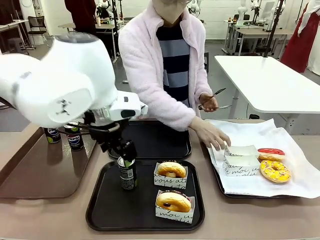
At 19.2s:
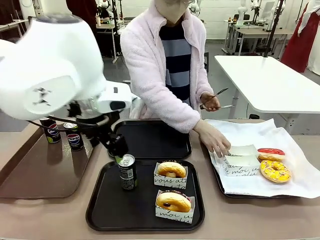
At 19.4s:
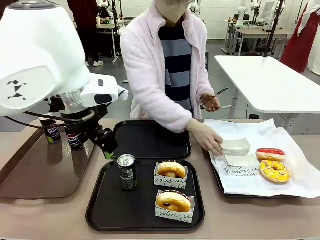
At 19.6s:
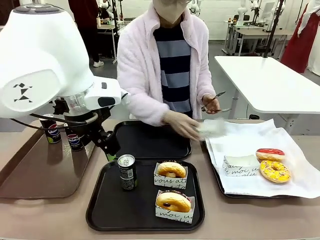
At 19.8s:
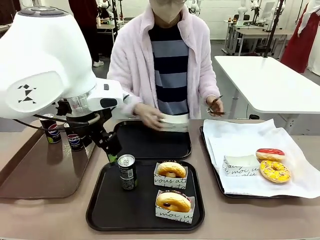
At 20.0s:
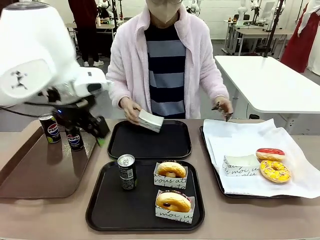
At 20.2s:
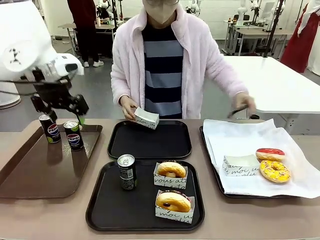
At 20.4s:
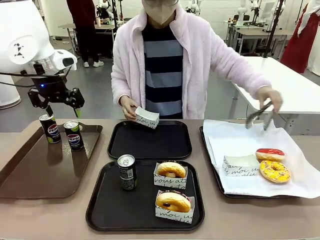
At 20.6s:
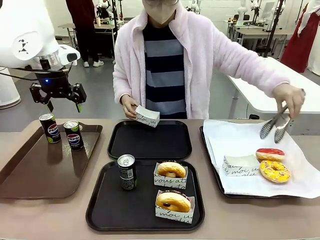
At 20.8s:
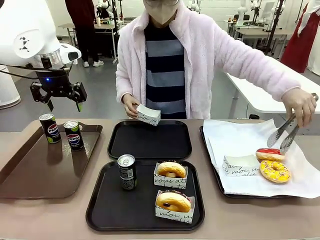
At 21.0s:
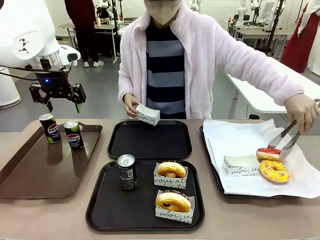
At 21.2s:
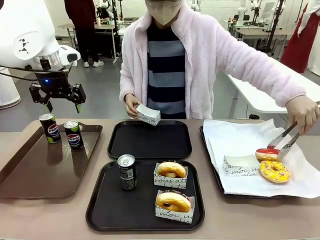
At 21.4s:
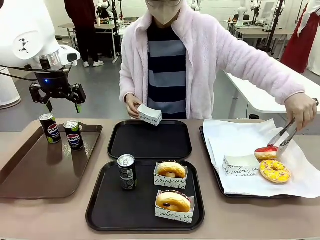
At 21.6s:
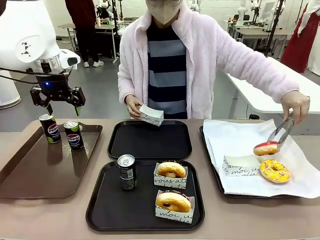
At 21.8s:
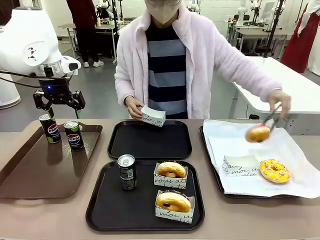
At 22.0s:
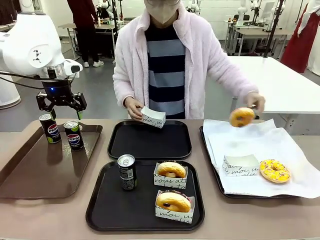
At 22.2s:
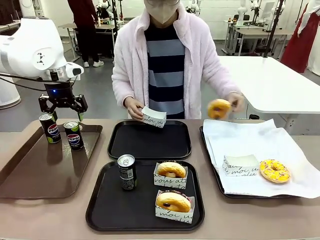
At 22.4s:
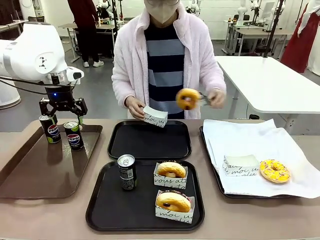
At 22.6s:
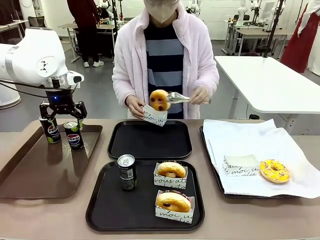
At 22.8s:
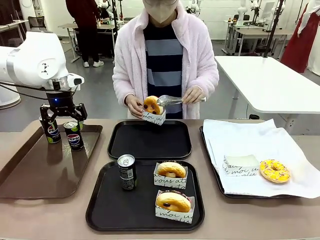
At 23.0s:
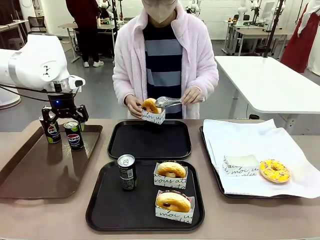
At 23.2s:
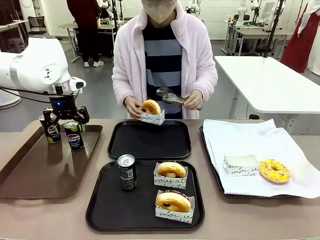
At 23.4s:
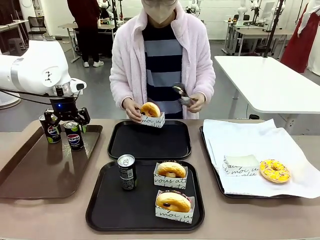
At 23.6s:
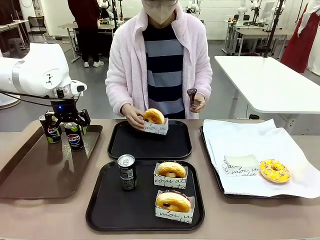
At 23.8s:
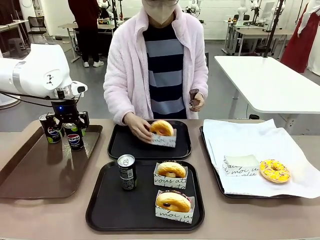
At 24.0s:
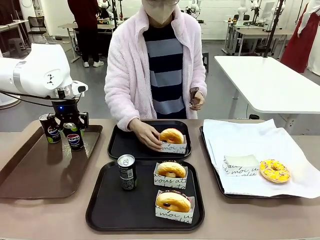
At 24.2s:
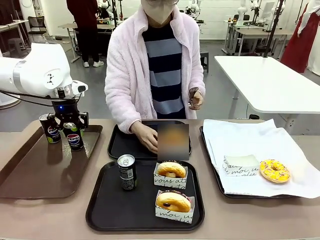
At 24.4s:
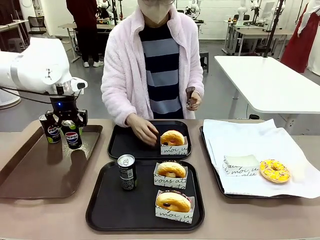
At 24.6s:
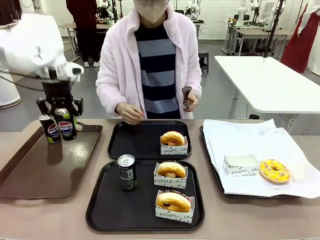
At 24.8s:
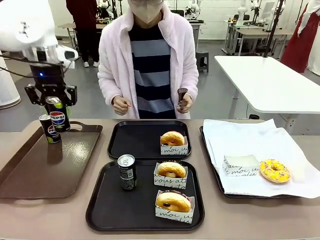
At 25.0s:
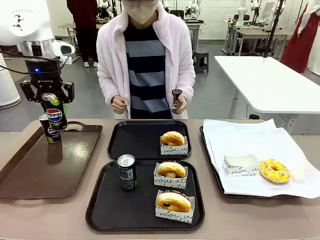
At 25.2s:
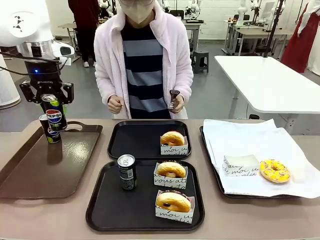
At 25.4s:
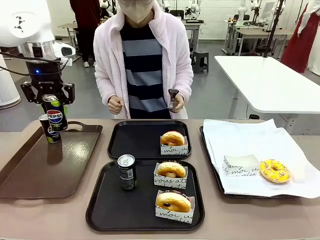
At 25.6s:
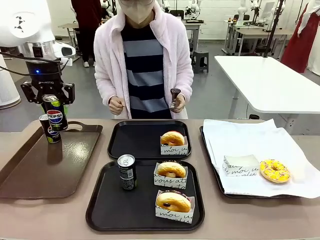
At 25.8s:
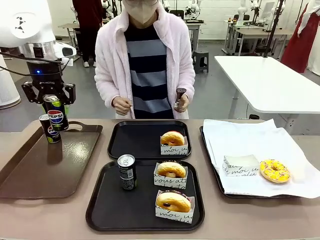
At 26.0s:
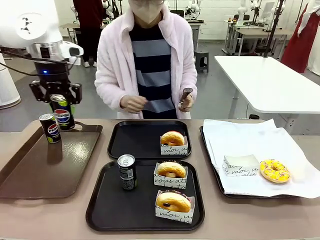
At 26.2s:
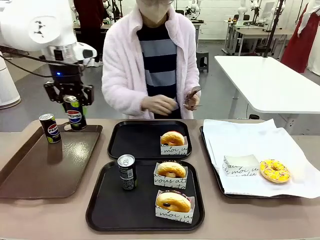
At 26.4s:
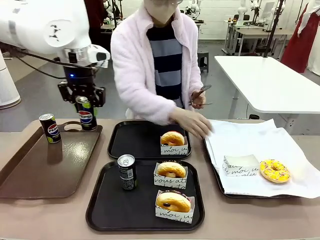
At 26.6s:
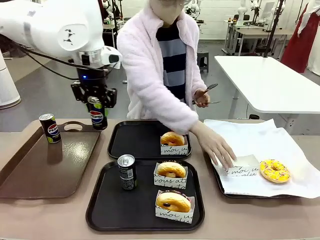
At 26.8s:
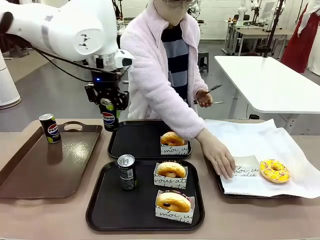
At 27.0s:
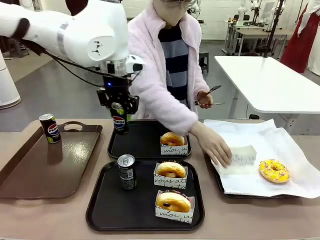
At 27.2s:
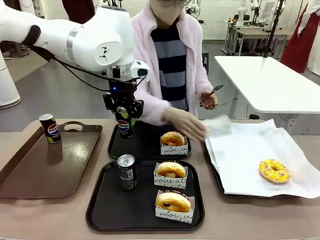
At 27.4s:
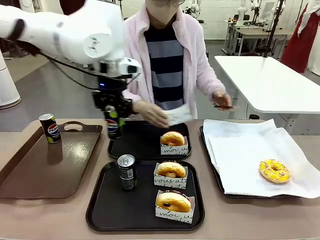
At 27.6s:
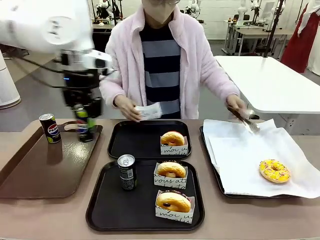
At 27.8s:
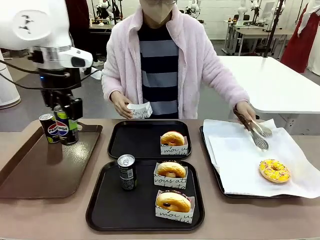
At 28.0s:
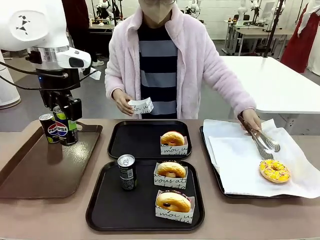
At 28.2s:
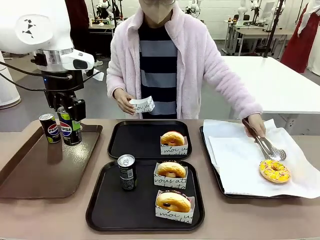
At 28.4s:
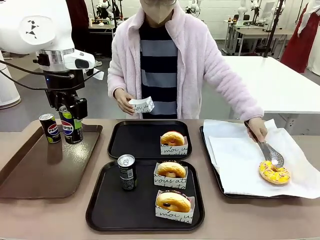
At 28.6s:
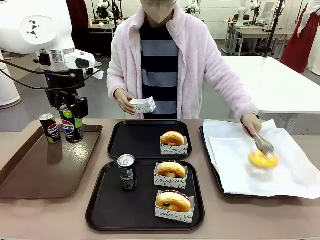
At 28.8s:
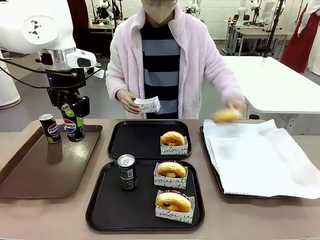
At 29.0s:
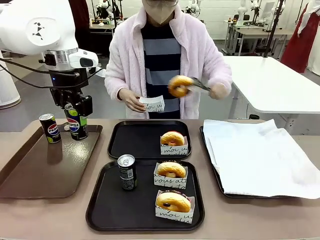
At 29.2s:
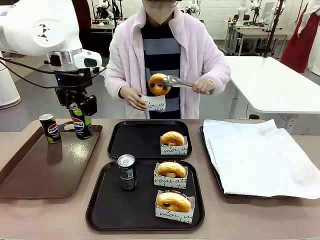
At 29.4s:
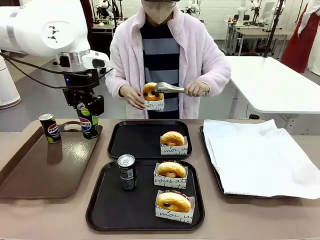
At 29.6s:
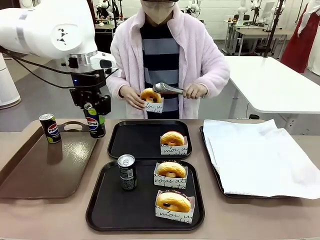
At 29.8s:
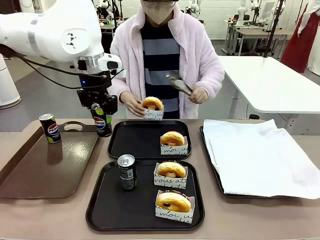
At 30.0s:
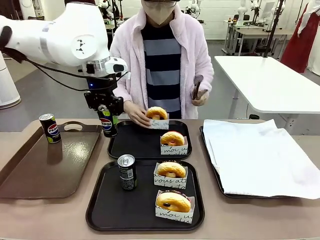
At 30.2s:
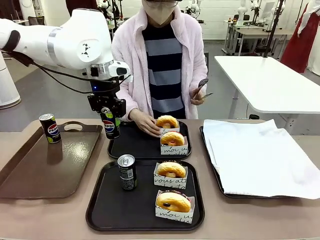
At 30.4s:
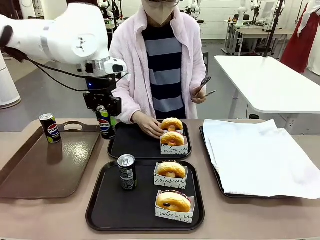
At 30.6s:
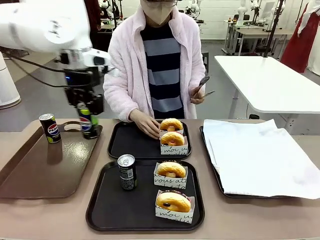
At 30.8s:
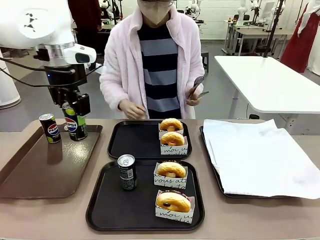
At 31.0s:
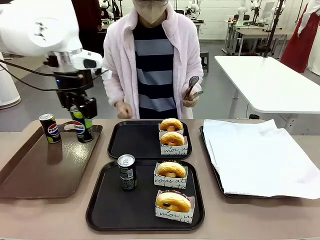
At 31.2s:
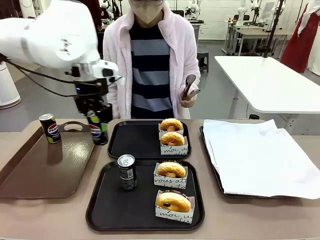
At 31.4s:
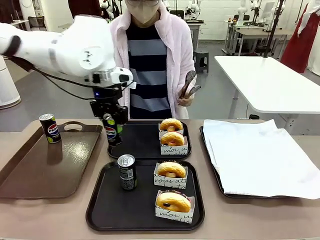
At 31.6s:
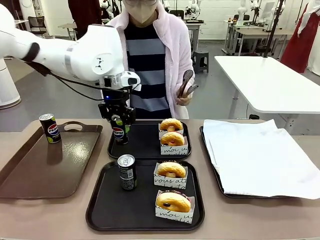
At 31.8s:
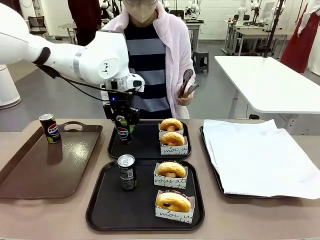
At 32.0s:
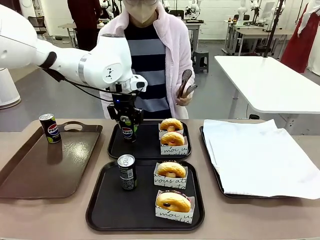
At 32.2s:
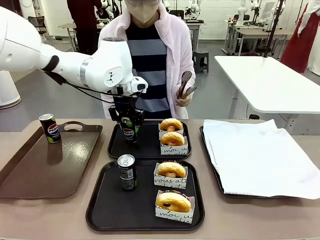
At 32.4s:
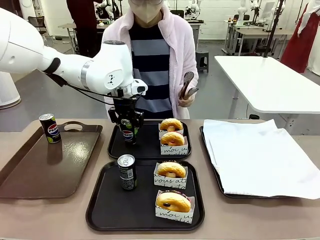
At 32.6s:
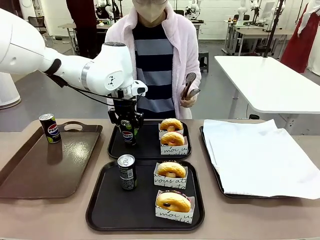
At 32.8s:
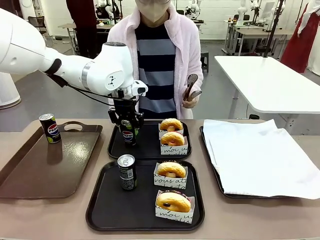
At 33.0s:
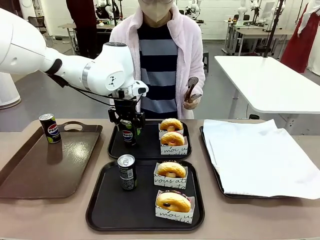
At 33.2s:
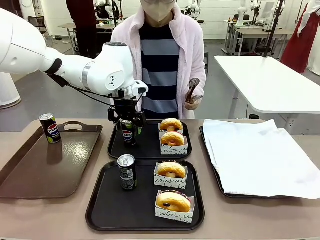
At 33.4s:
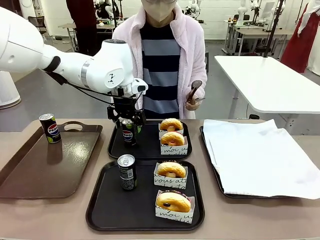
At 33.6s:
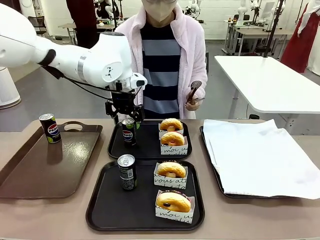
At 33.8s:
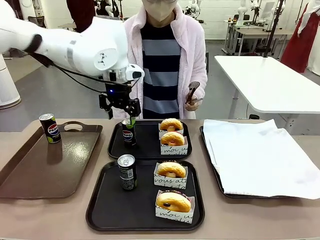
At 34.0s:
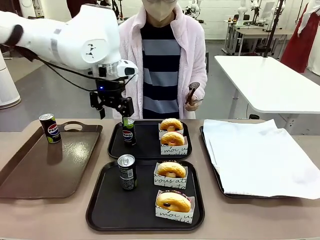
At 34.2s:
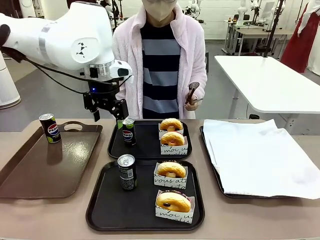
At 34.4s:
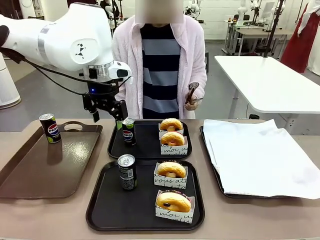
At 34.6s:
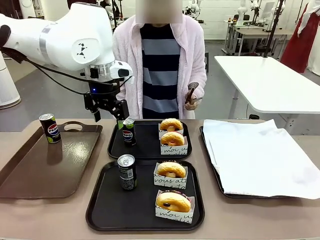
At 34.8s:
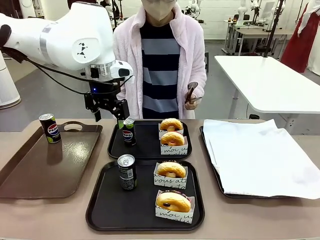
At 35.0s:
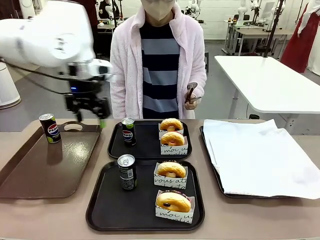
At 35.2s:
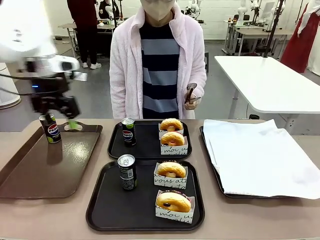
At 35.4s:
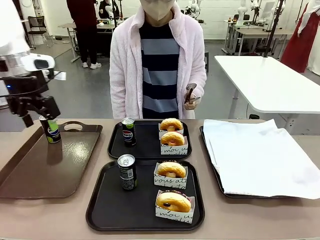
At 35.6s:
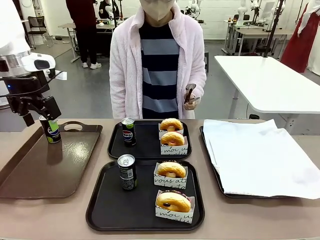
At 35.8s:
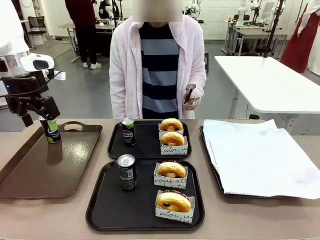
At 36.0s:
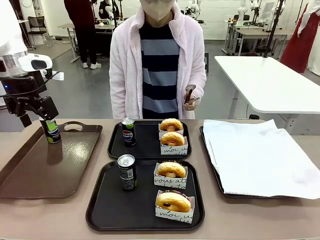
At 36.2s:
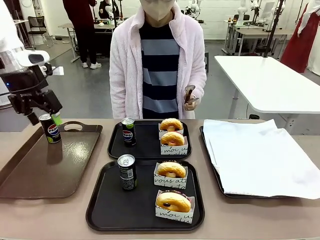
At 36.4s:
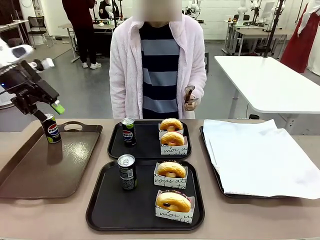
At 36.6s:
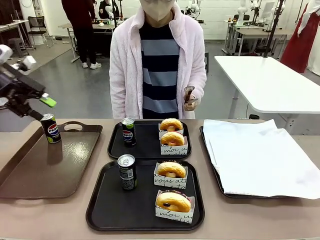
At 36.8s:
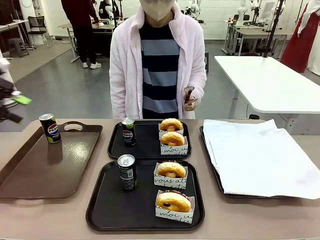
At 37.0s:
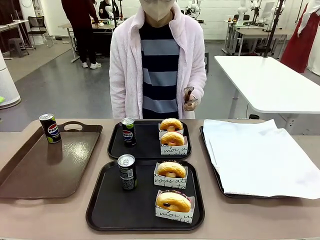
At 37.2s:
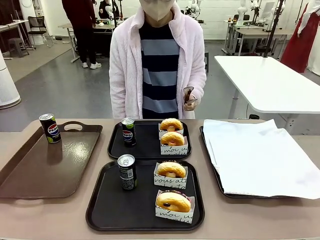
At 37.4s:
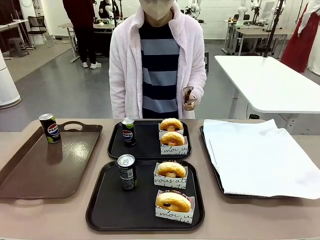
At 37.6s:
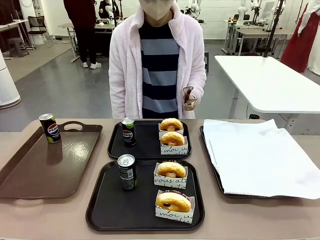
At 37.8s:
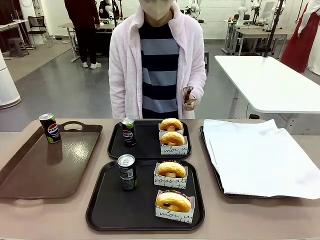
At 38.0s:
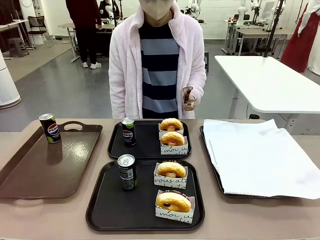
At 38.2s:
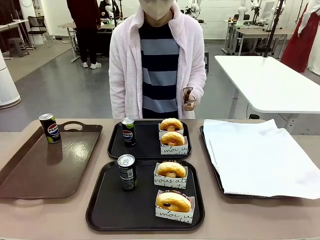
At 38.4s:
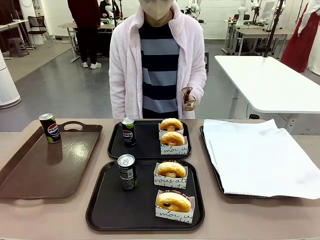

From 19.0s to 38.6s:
Task: Set up donuts and drinks on trays.
Robot: Pick up one Pepsi coke from the Handle tray and place it on the Flat Tray without a Pepsi coke.
Person: Pick up one donut with tongs, place it in the donut tray, and then place the donut tray on the flat tray.
